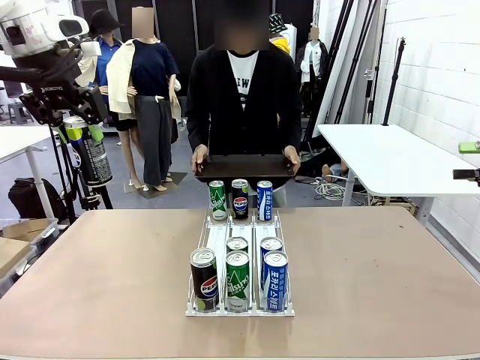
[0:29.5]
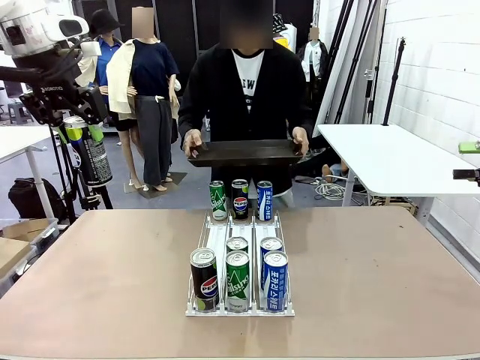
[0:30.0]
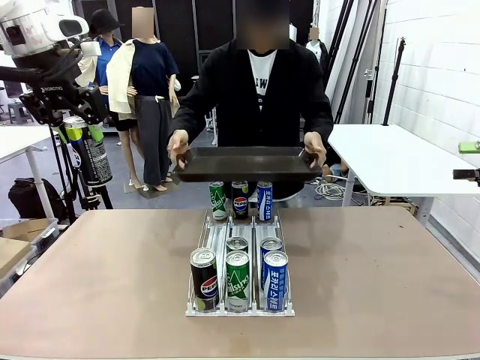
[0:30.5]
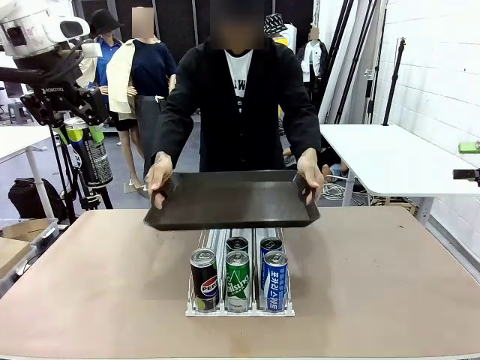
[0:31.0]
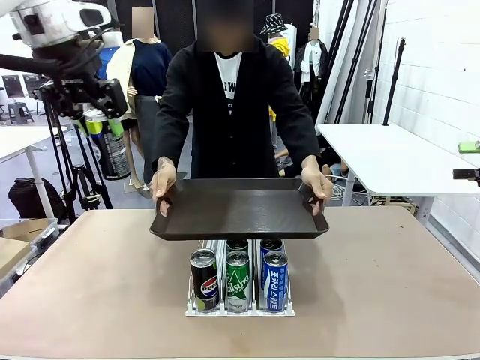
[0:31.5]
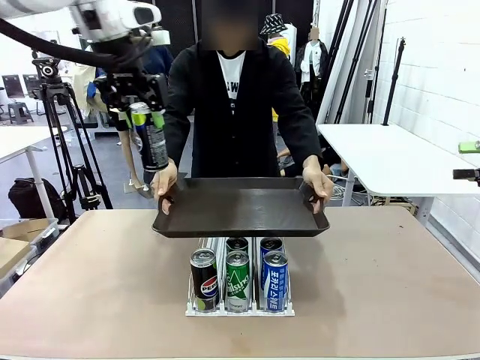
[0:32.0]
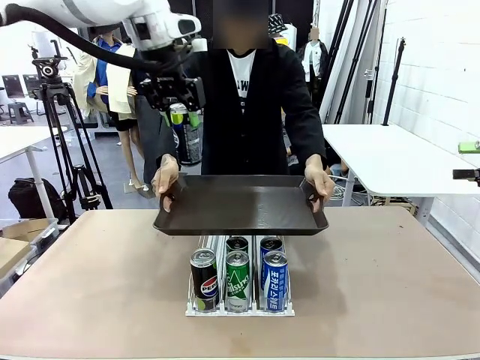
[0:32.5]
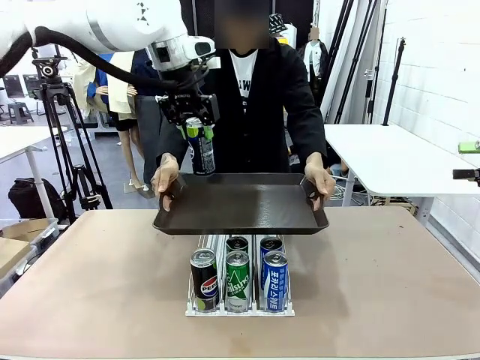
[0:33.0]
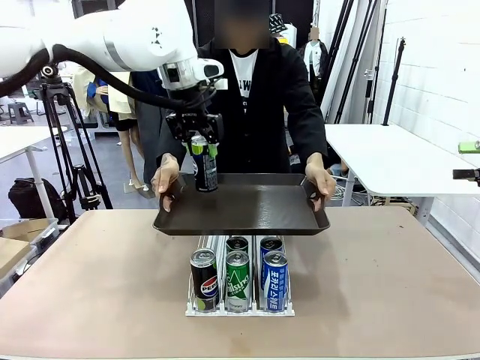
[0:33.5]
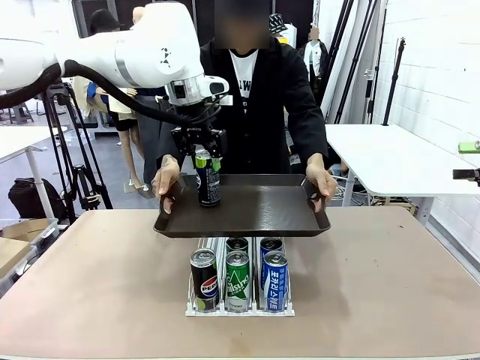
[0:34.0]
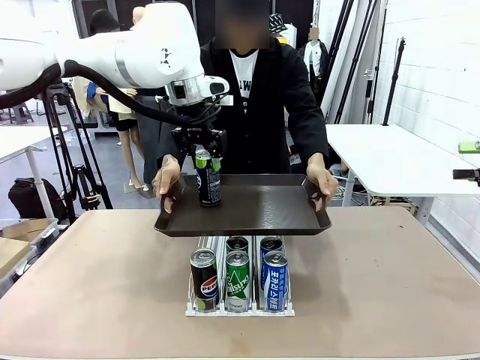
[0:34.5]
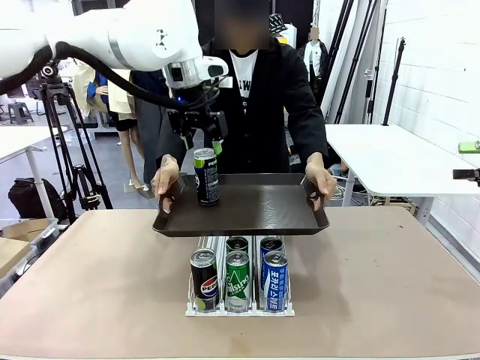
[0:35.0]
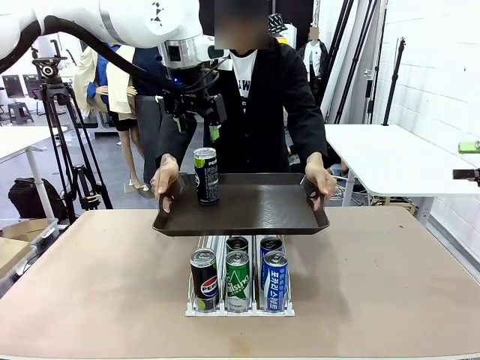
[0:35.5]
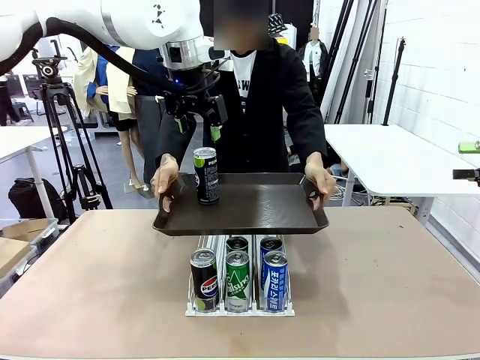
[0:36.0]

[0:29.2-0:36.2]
Task: Retrieve and hand over the desired beverage to the person.
Robot: Place the picked can on the Handle tray extended by the person.

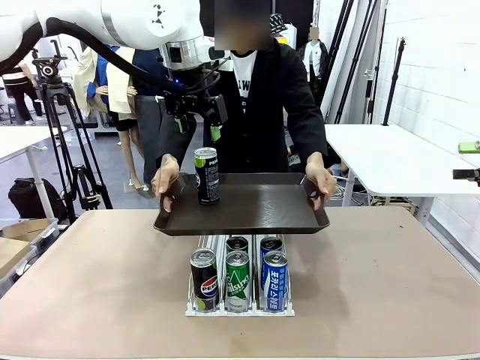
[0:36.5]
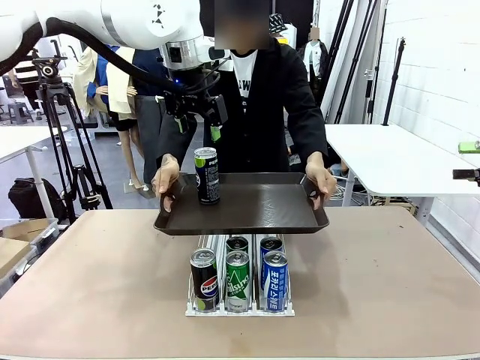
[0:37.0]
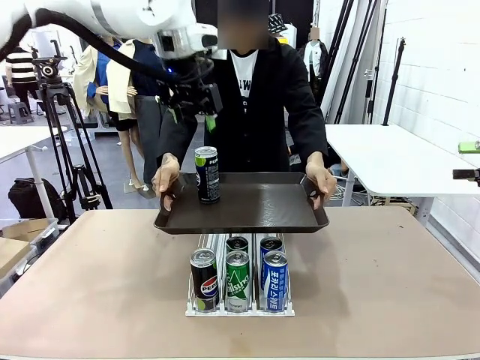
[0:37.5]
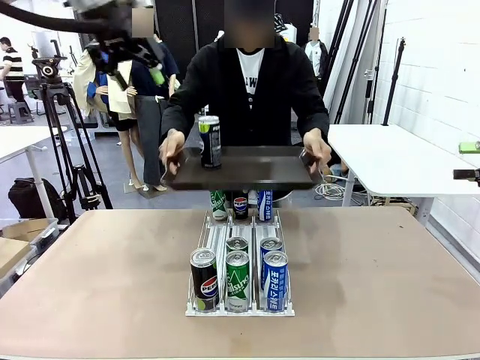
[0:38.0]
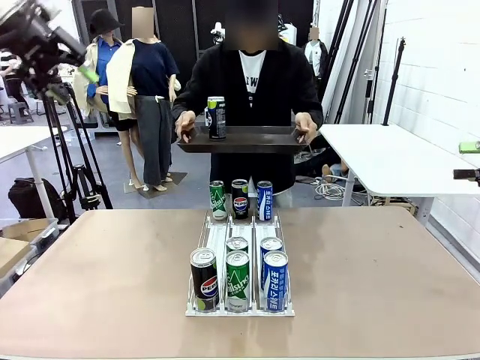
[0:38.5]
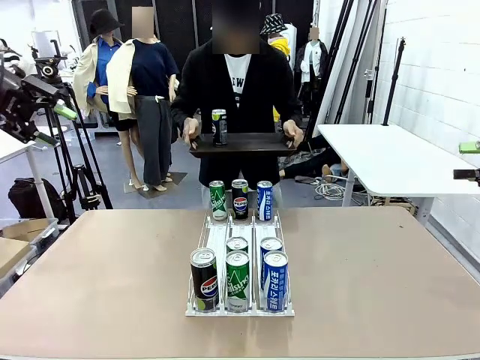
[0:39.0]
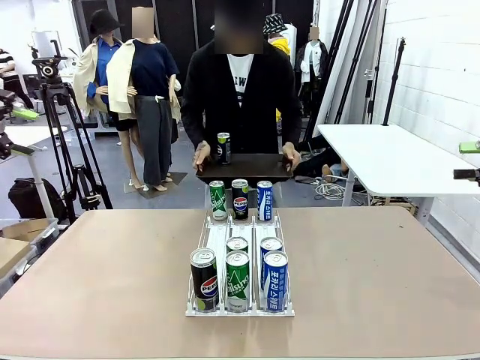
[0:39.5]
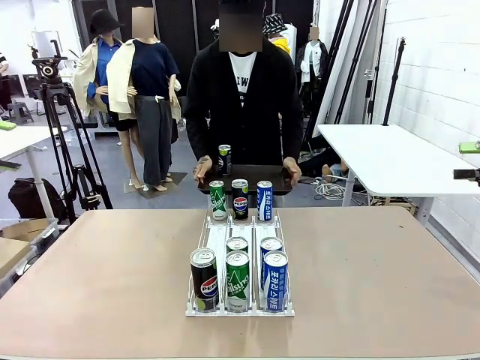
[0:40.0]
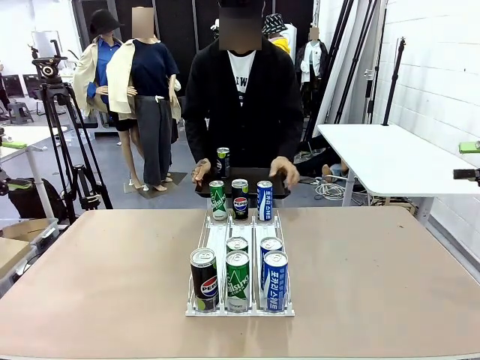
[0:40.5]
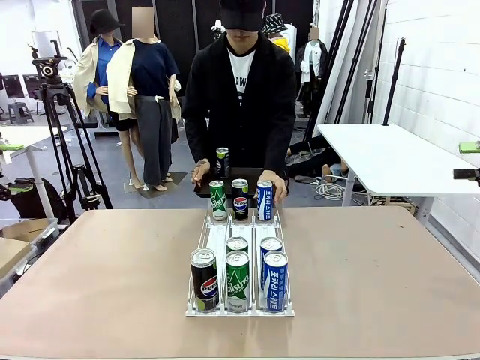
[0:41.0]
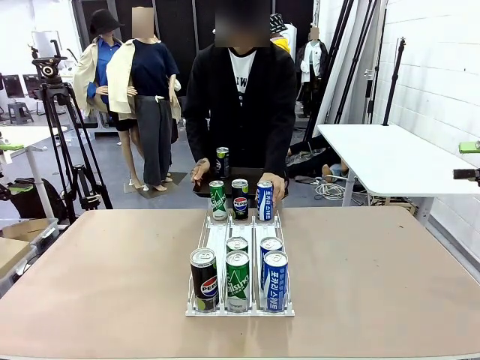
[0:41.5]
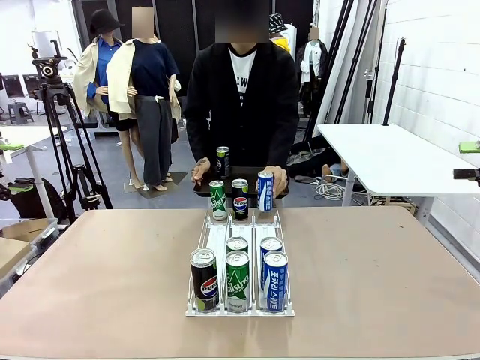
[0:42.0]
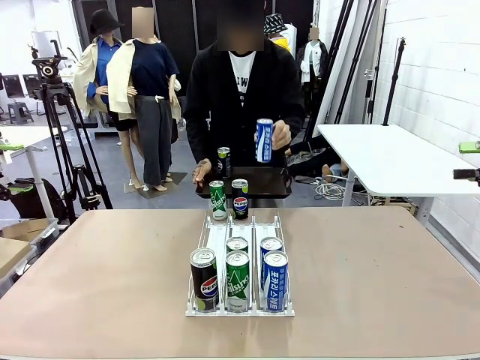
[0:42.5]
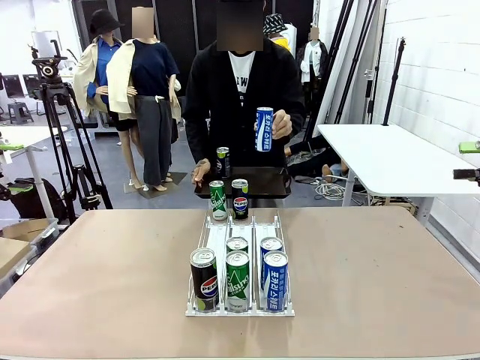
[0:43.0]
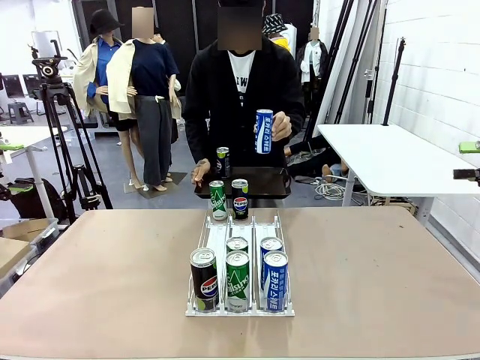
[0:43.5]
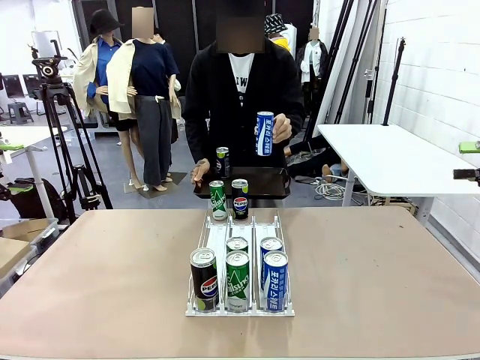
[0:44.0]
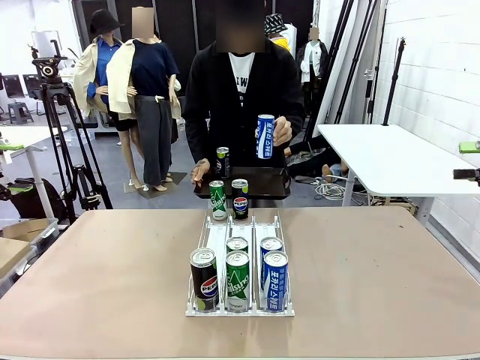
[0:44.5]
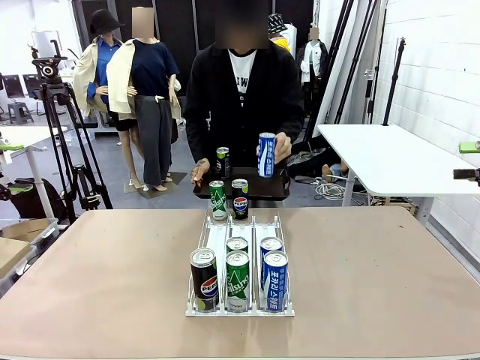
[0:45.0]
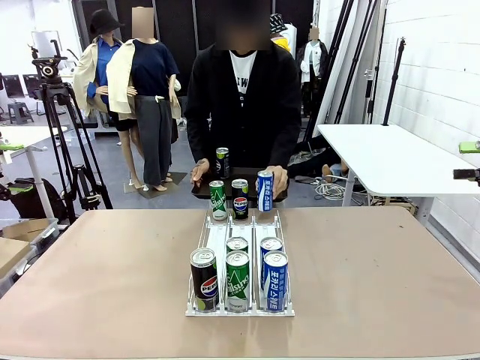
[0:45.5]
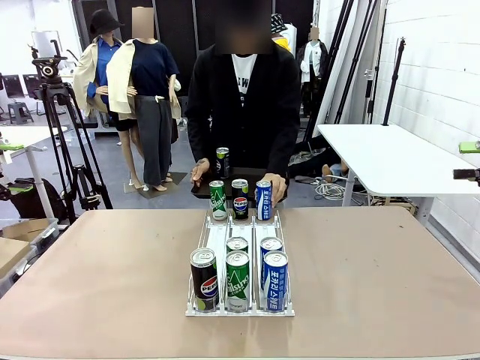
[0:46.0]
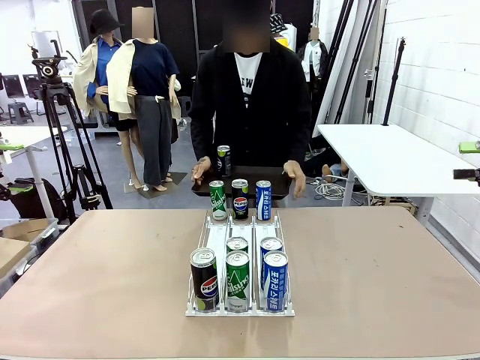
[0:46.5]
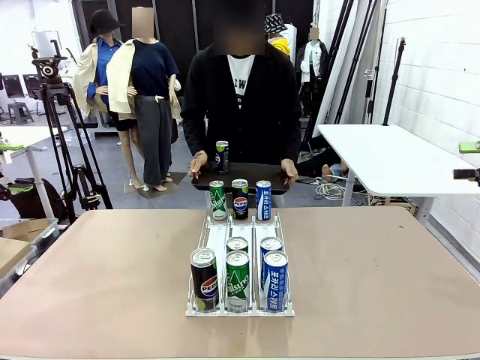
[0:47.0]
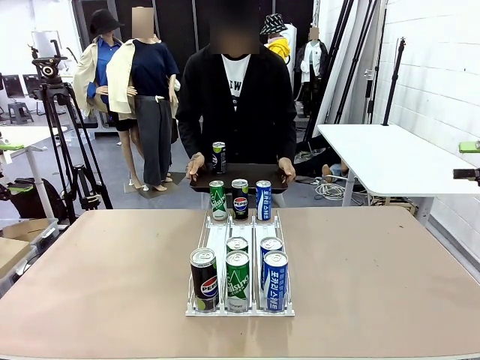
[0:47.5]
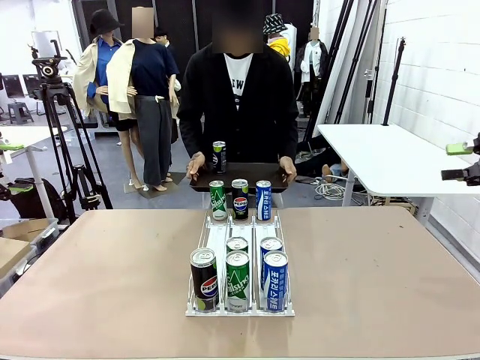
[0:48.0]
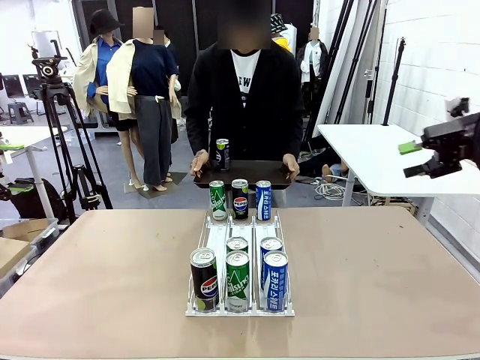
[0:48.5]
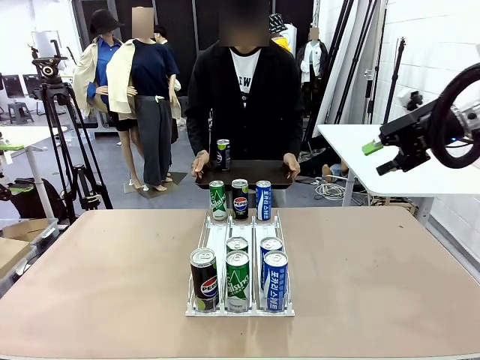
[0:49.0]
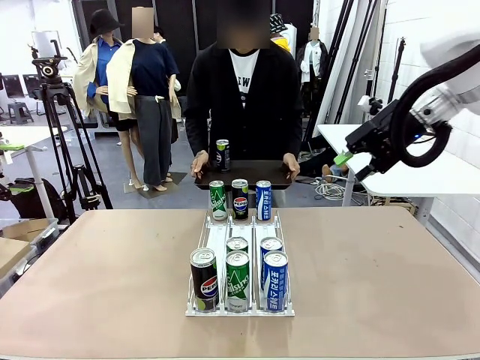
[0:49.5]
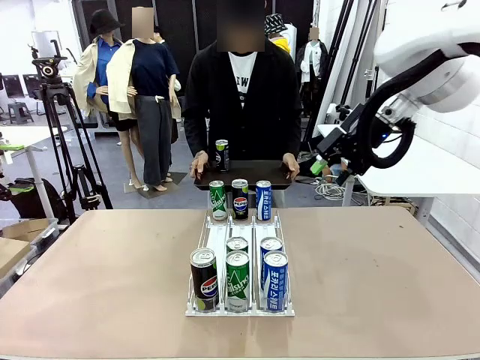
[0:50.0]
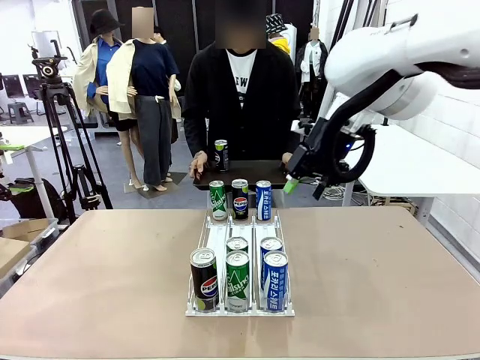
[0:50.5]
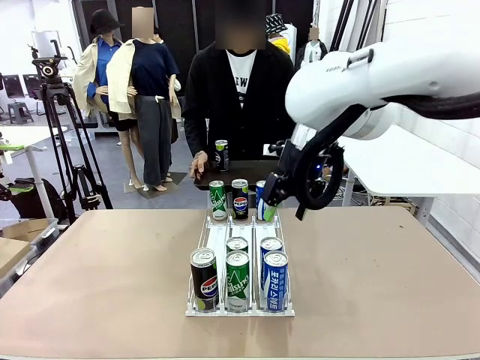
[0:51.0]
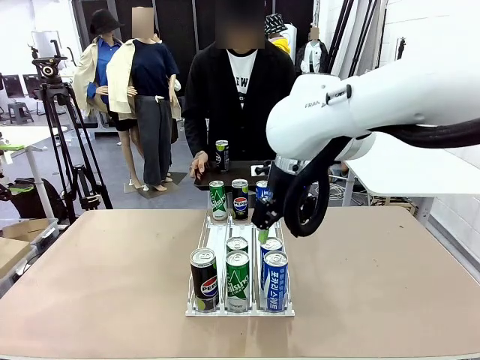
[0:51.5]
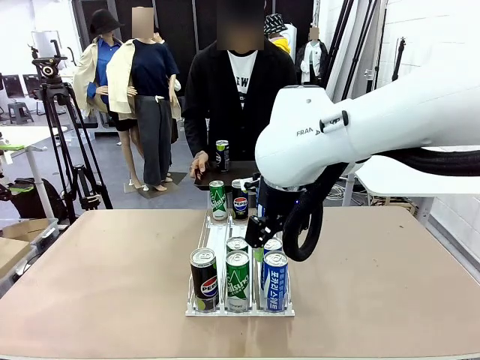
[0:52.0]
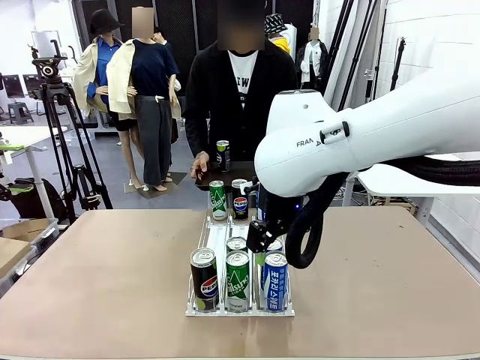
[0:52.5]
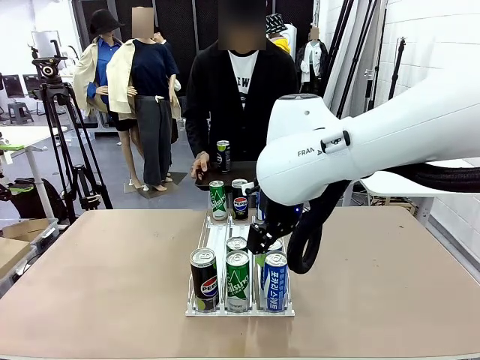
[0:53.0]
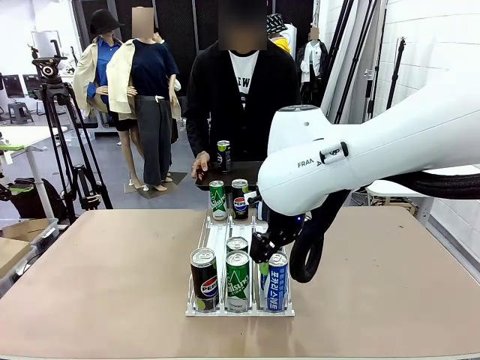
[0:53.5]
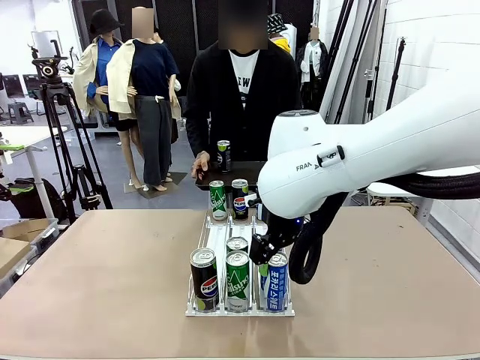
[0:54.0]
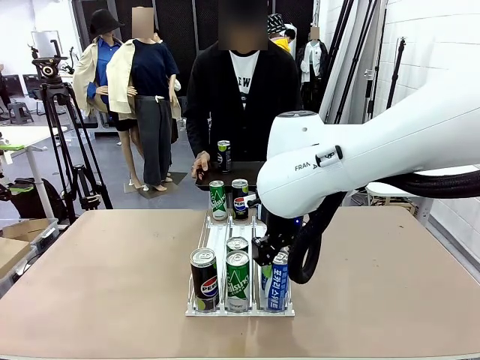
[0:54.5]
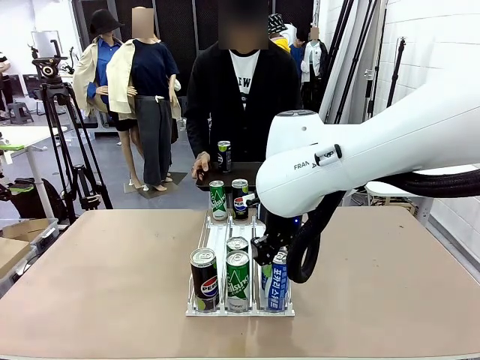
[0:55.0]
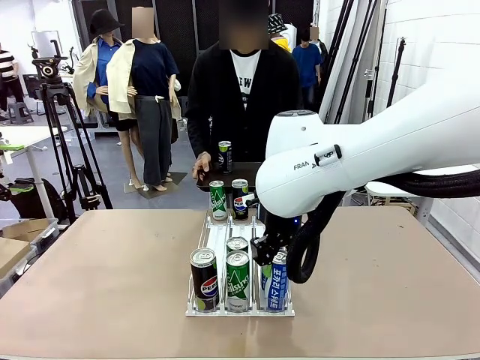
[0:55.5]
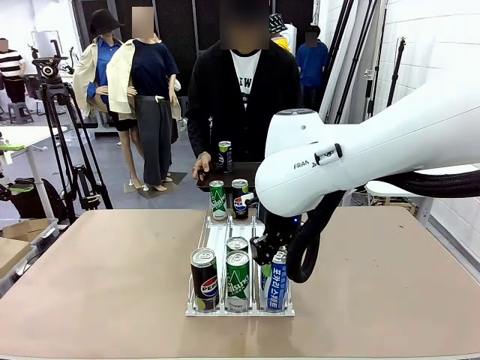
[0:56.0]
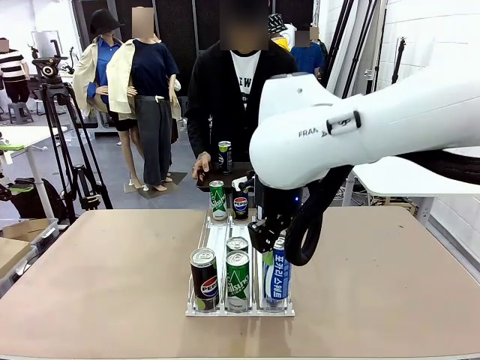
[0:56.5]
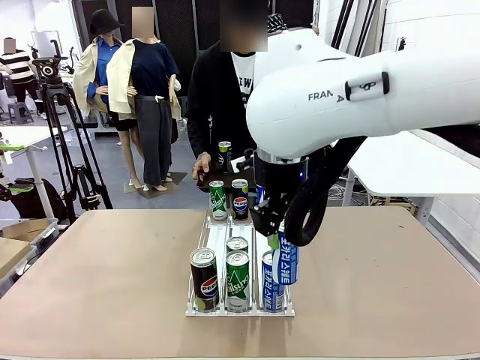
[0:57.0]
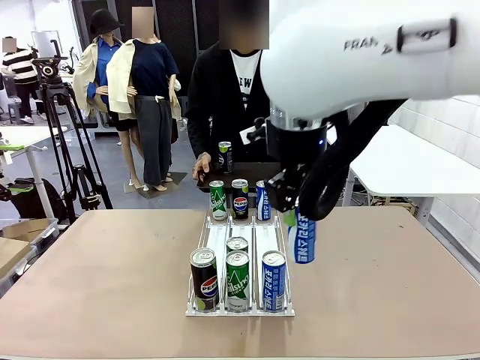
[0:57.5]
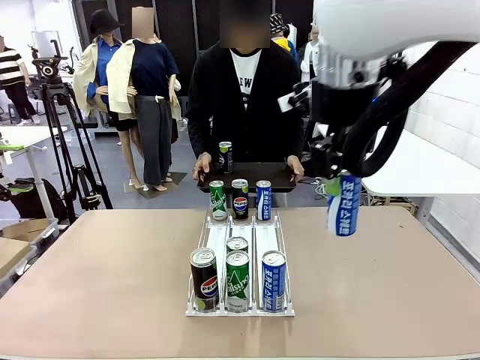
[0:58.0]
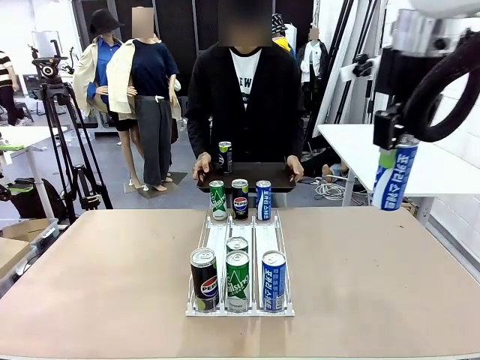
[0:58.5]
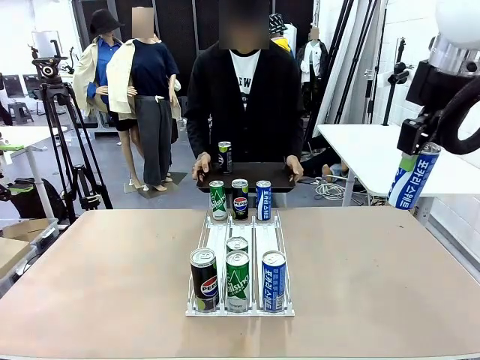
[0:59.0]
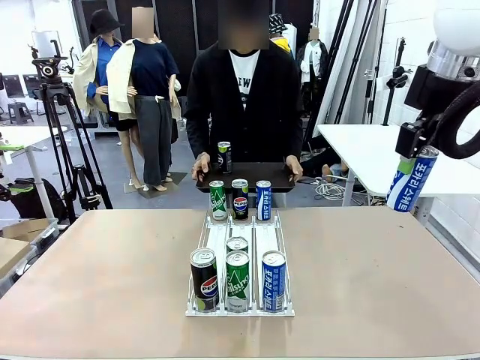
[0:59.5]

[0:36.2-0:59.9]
Robot: Pick up another can of the same type that the person held from the Automatic Can Dispenser.
Person: Pull the tray back, then pick up another can from the bottom area of the table and puts it back in its original place. Push the tray toward the robot again.
